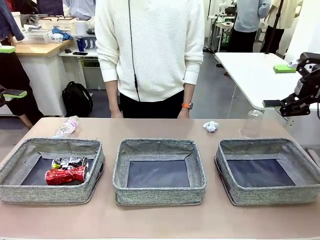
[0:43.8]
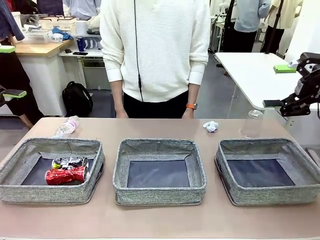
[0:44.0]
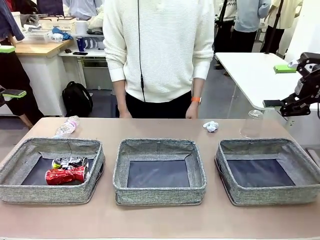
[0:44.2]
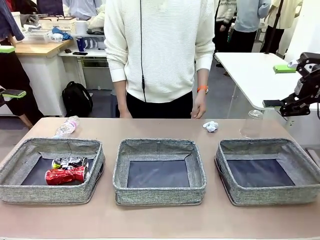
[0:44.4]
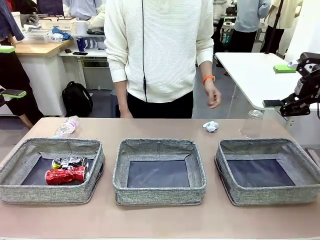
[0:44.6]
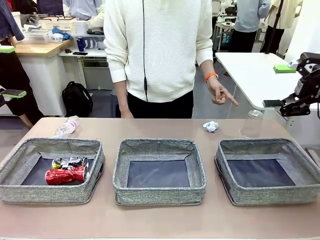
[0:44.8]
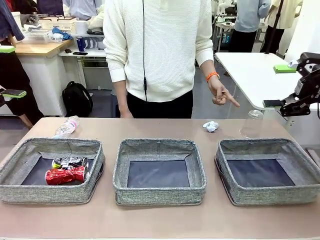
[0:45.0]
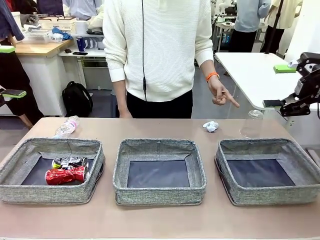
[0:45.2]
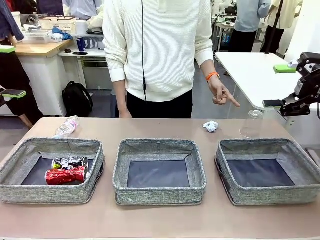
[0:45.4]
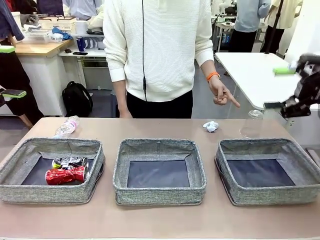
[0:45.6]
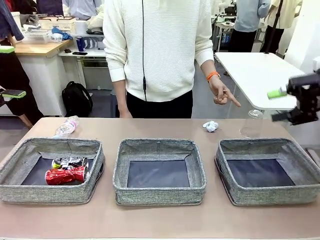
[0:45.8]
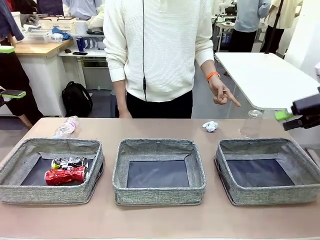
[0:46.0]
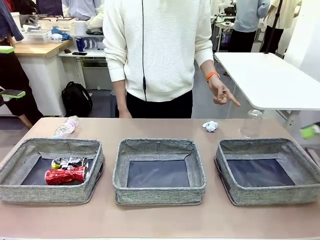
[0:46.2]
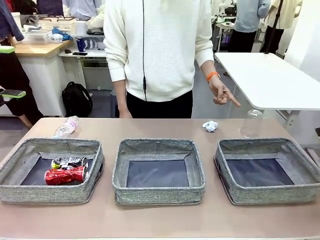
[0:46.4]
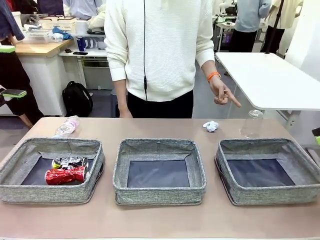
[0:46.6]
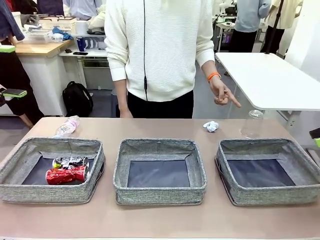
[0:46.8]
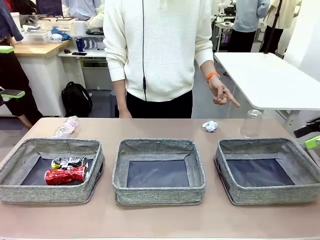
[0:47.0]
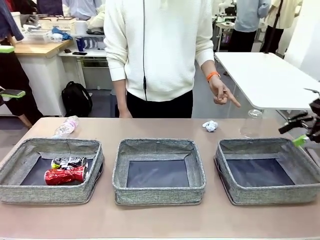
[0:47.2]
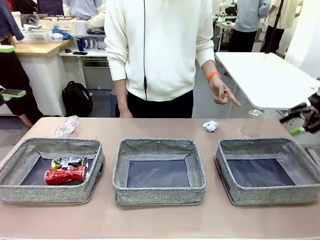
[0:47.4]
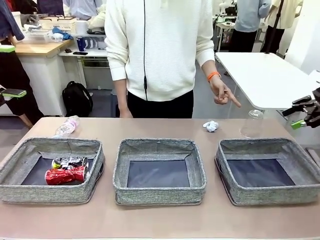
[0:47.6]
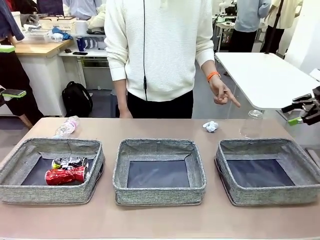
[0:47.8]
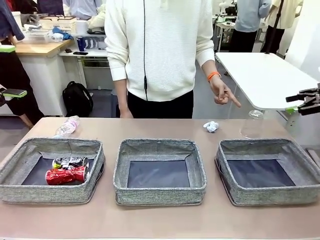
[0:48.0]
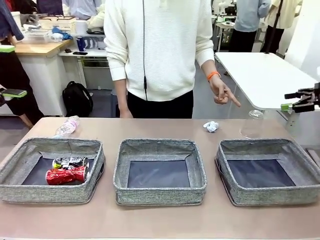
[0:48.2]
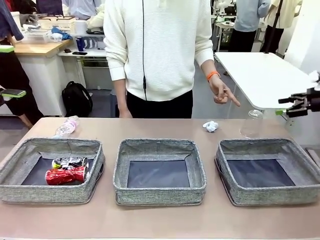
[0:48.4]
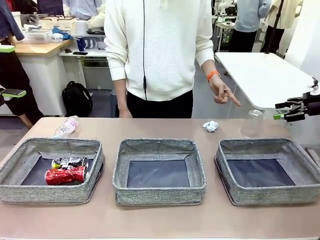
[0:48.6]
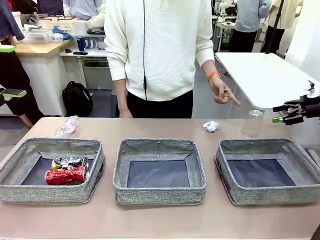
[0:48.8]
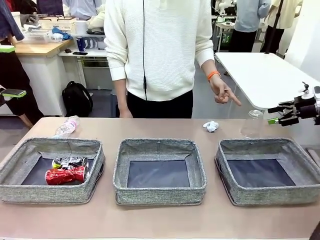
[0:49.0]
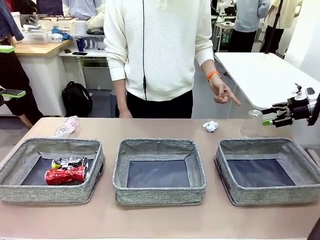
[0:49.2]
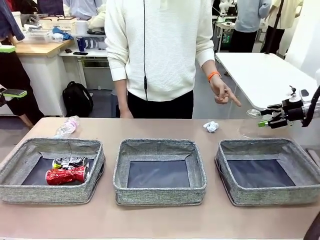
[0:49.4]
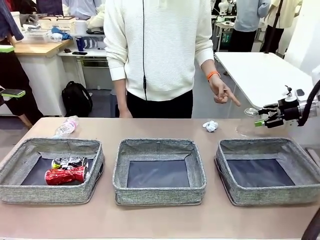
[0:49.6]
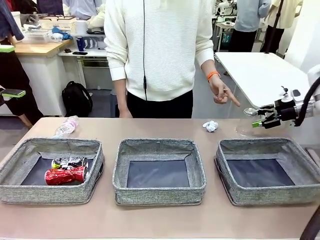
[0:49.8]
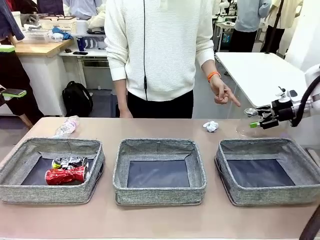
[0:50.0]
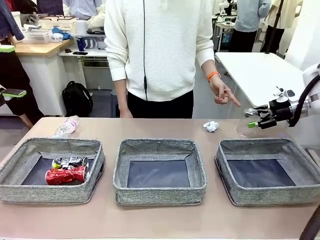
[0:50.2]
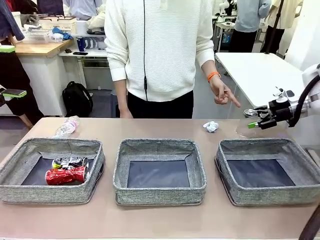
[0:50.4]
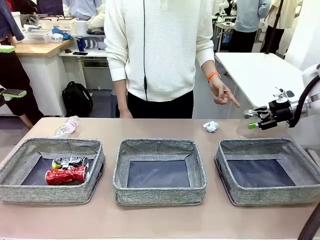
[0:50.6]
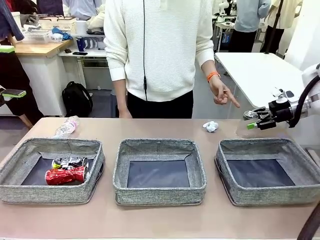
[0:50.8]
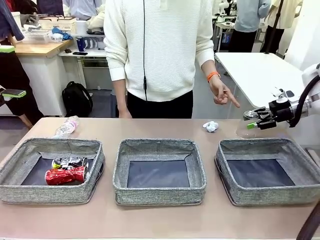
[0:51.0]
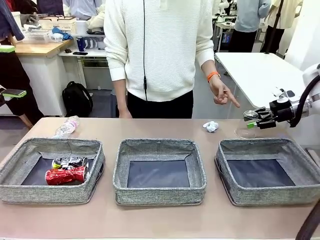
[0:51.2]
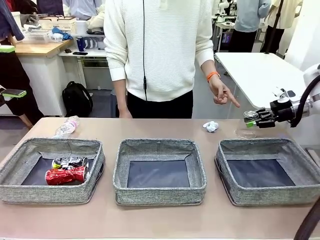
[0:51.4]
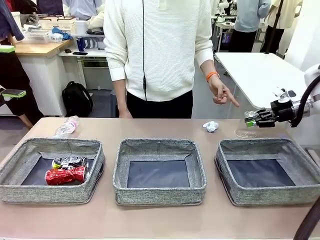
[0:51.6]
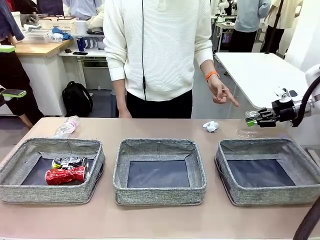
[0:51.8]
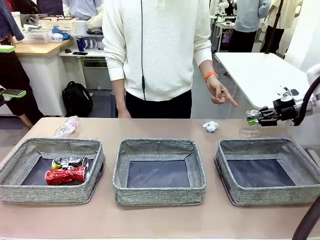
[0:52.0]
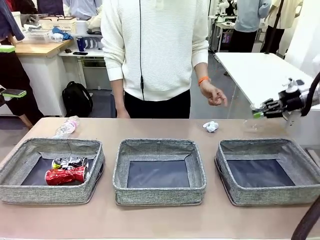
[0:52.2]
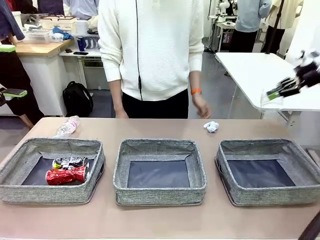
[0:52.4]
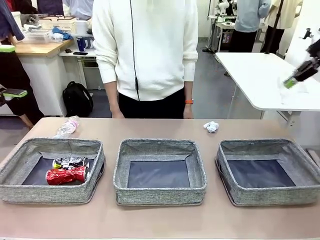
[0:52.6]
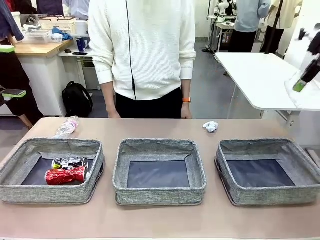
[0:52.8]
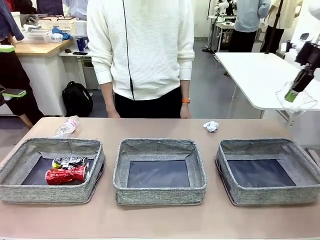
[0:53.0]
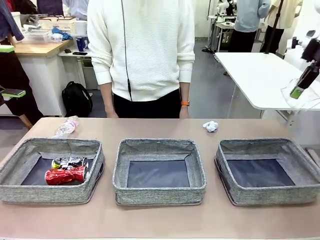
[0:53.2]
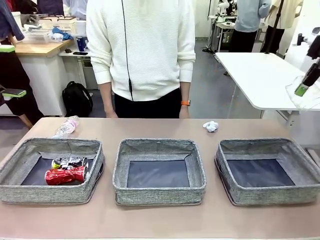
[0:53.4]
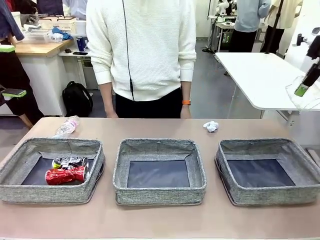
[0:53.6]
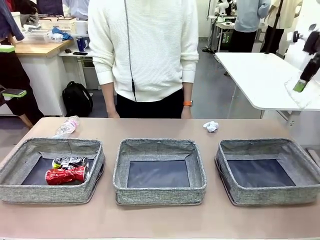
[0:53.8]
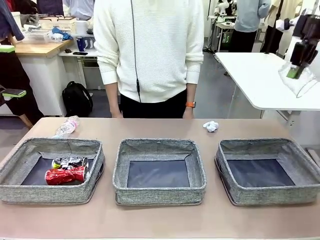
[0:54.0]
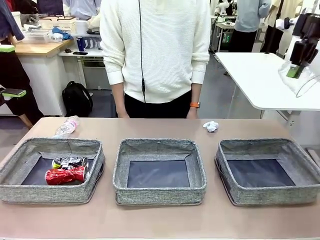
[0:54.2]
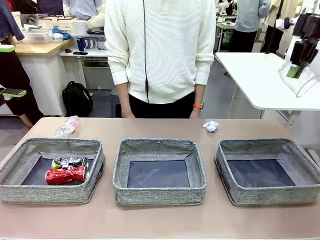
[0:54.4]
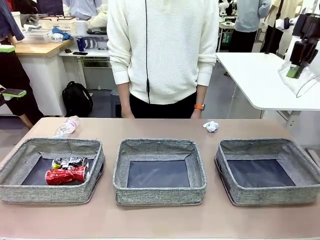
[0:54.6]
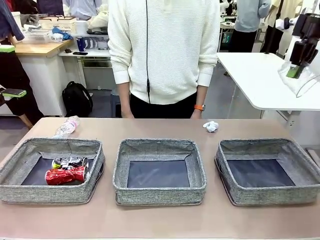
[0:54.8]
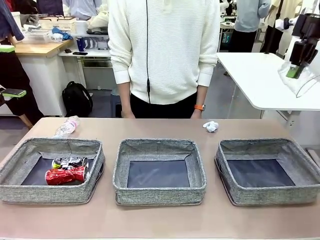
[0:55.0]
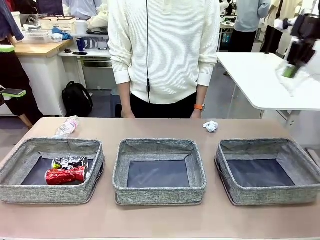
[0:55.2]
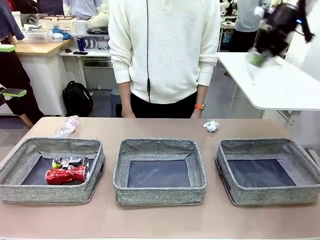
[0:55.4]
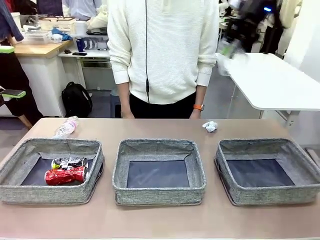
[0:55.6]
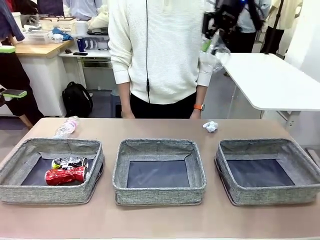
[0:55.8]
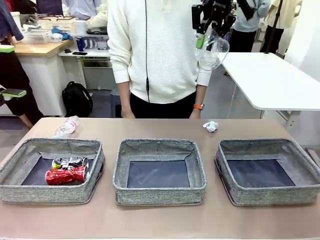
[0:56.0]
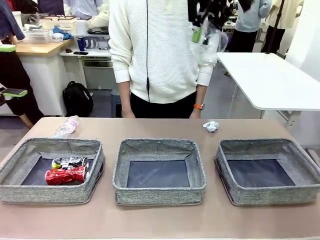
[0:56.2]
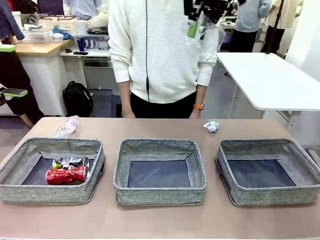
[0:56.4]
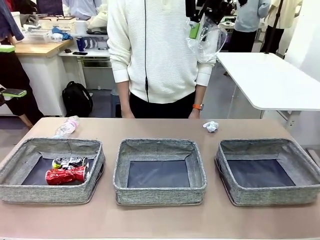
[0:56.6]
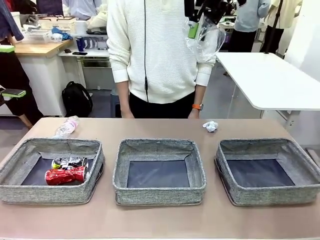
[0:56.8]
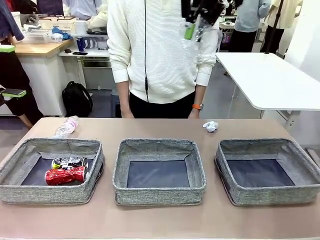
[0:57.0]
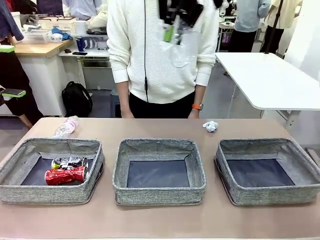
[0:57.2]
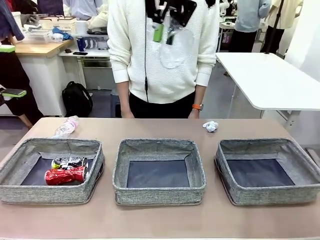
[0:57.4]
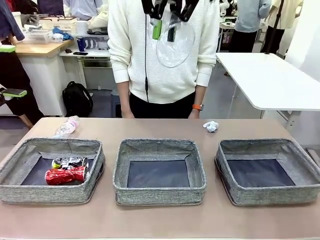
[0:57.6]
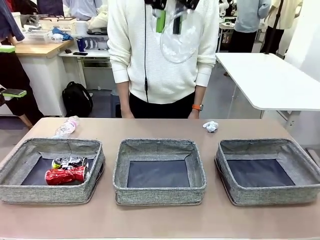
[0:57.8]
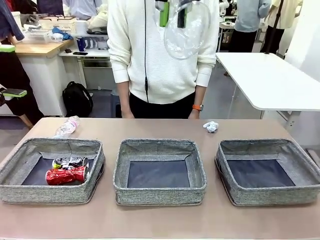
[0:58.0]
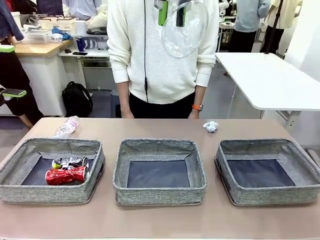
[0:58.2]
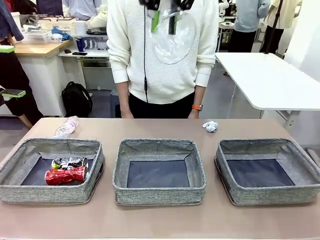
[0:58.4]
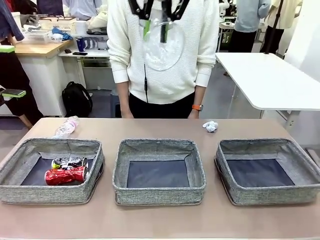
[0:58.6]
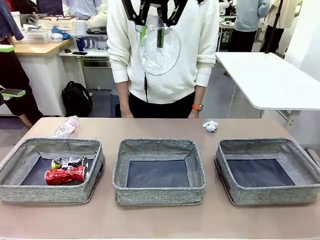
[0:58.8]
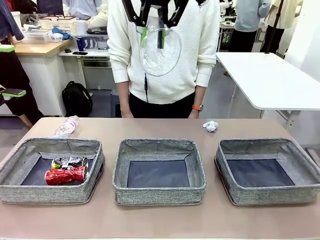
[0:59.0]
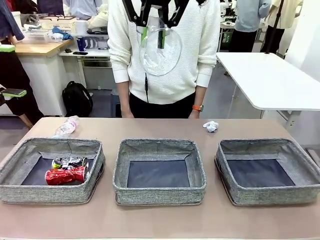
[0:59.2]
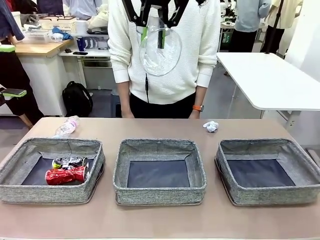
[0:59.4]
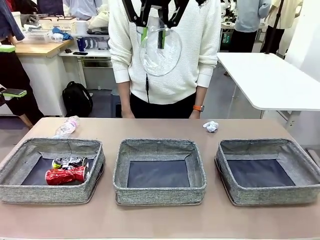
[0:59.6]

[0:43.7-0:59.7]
Task: Sort the waste into the appropriate baskets.
Robot: Pick up the waste item pointed out by the person.
Person: Points to one piece of trash on the table.

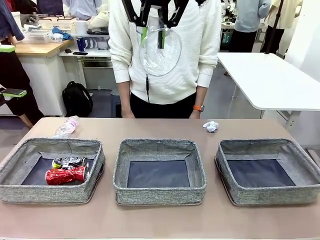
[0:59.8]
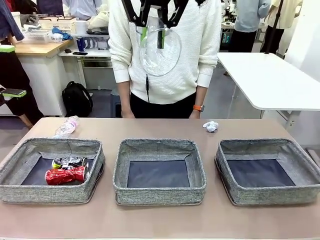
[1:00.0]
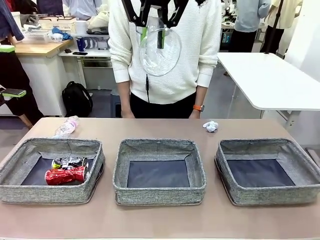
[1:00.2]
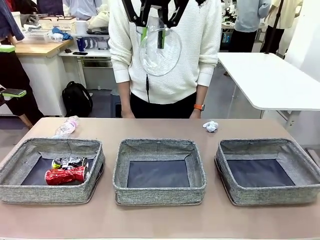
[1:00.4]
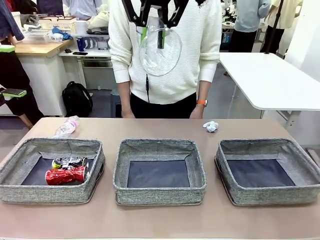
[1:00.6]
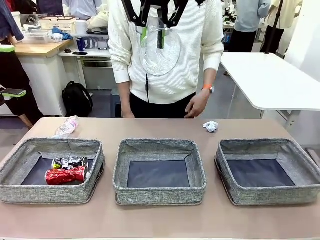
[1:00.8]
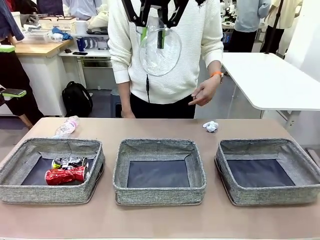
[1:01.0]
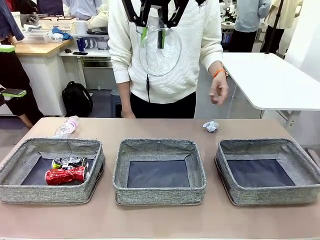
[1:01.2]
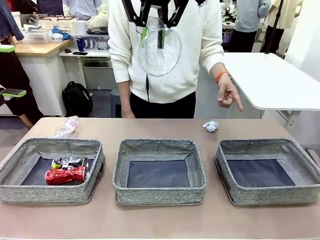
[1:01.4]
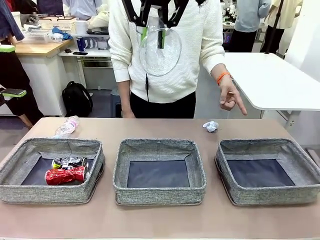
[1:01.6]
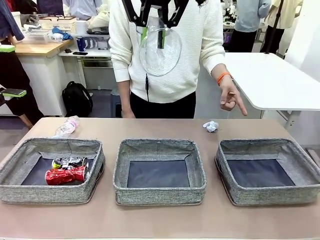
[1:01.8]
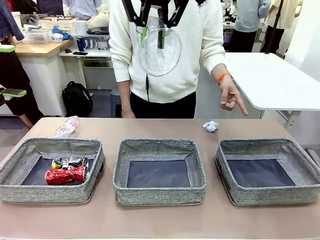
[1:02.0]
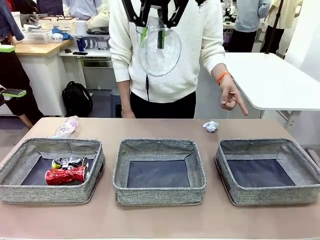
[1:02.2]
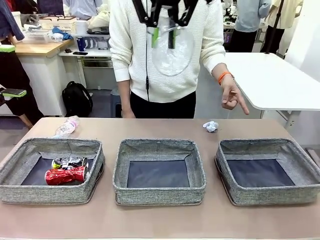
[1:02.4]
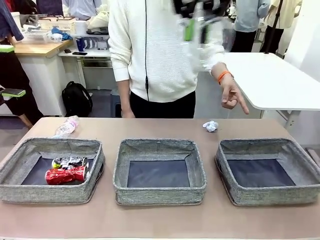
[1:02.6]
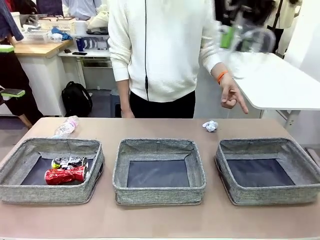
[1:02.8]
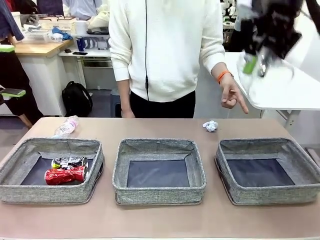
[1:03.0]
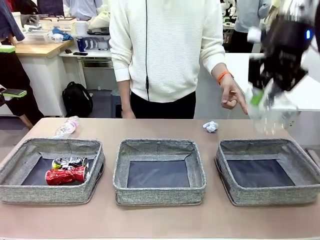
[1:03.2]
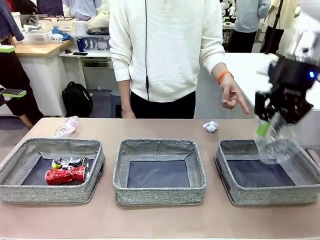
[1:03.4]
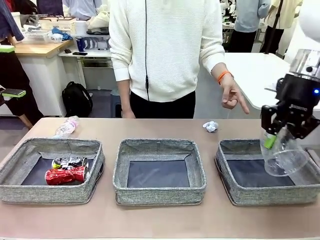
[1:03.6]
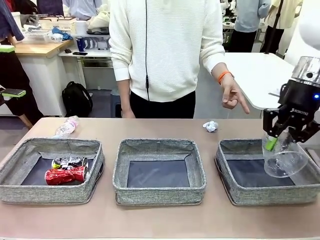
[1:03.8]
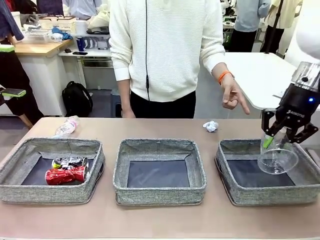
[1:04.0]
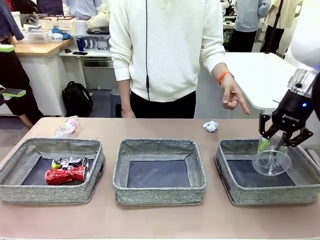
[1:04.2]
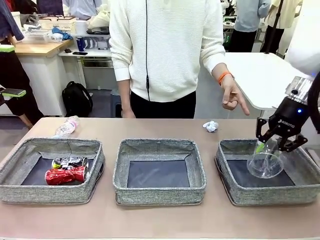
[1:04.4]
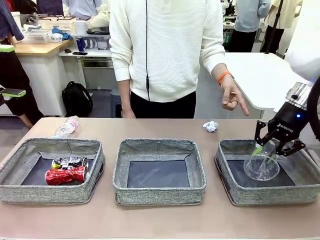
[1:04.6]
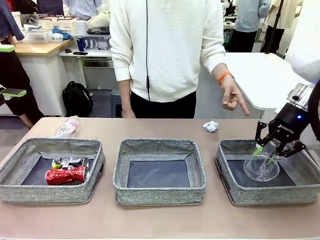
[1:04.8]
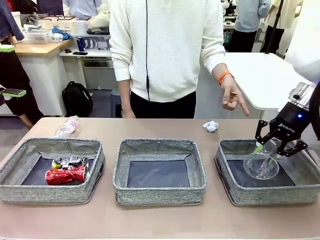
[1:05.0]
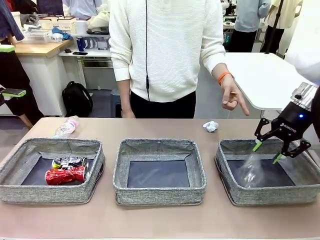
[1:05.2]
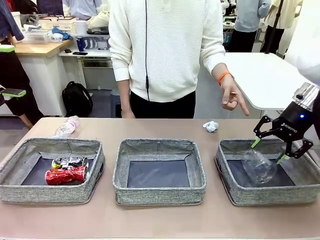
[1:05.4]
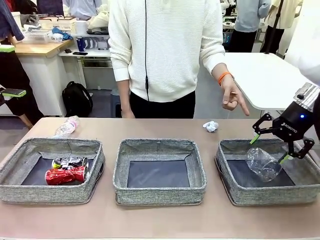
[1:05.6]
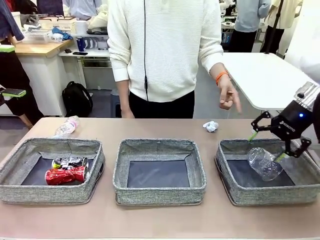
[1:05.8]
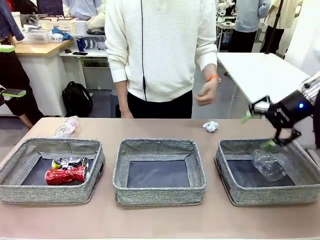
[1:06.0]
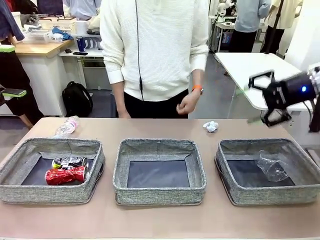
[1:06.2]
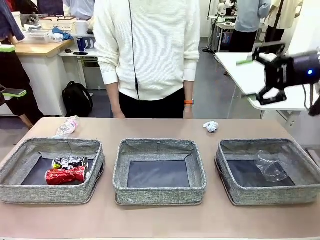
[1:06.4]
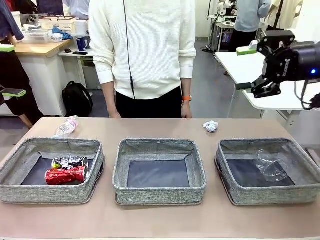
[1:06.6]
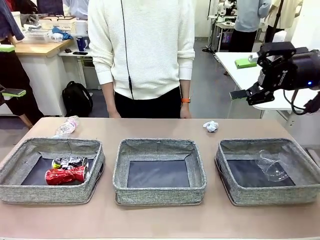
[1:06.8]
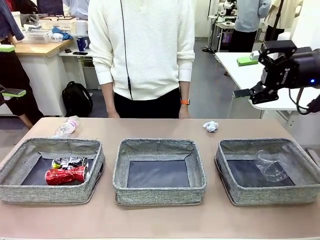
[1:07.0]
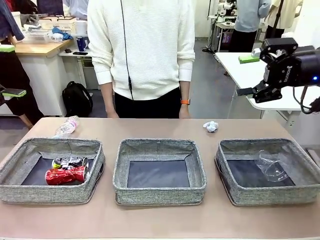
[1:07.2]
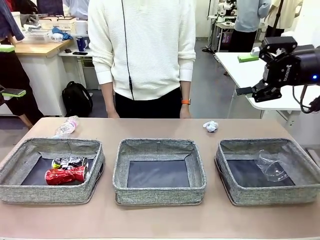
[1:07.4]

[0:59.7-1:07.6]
Robot: Place the picked waste into the Fabric basket indicated by the person.
Person: Instructs the robot to place the picked-up trash into the appropriate organizing basket.
